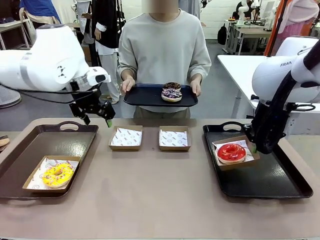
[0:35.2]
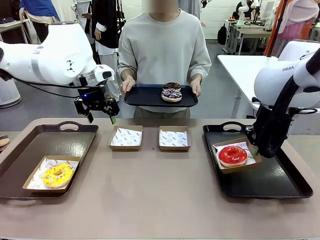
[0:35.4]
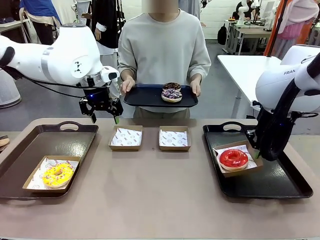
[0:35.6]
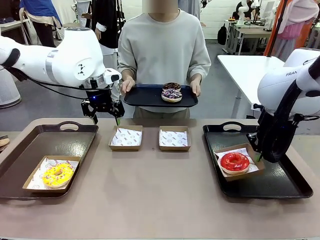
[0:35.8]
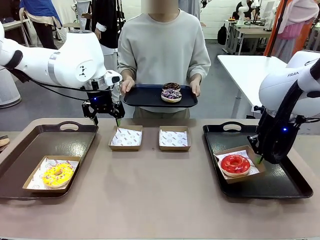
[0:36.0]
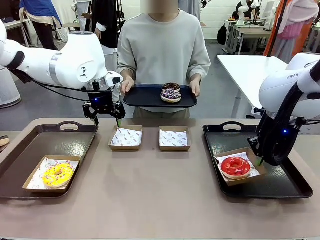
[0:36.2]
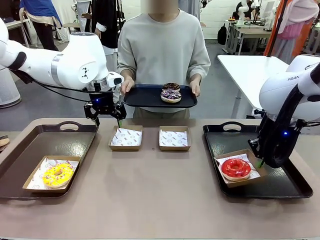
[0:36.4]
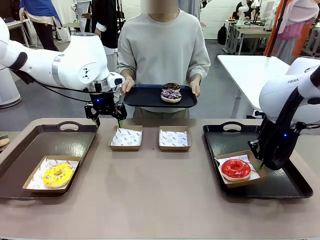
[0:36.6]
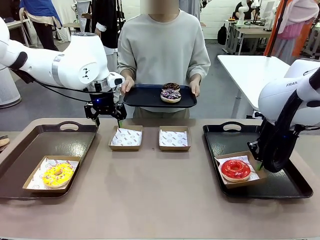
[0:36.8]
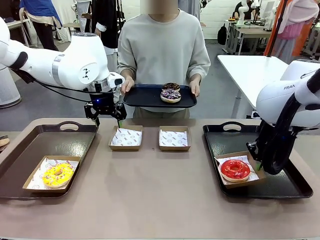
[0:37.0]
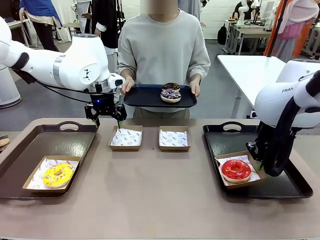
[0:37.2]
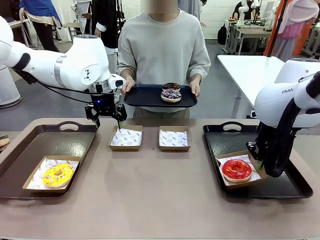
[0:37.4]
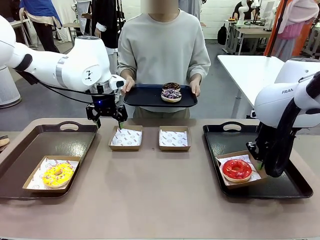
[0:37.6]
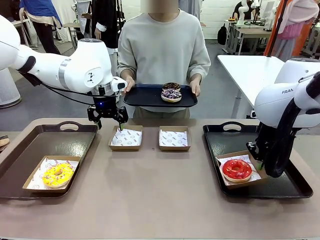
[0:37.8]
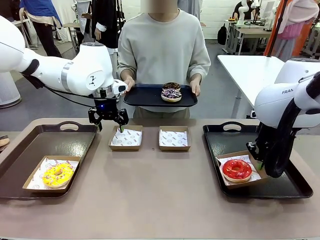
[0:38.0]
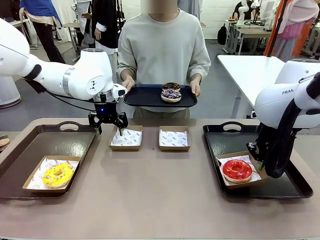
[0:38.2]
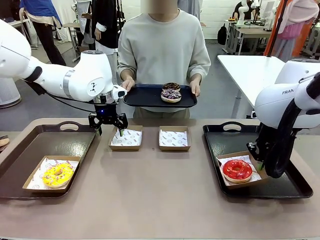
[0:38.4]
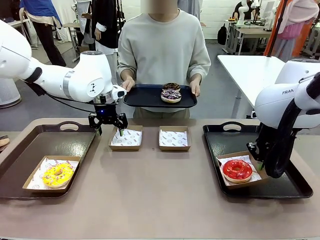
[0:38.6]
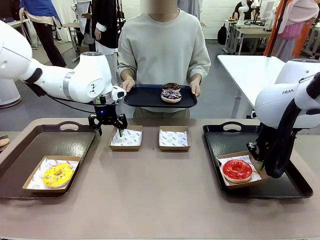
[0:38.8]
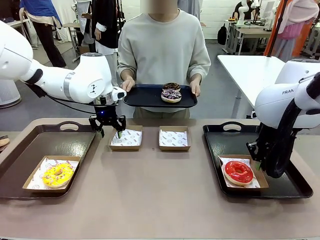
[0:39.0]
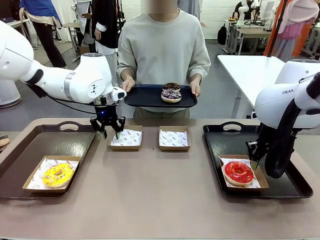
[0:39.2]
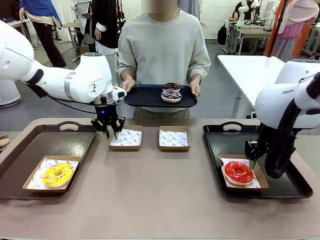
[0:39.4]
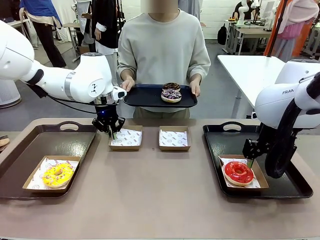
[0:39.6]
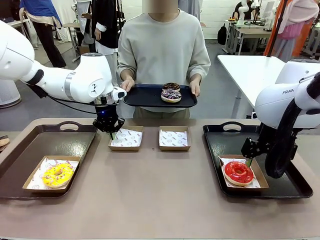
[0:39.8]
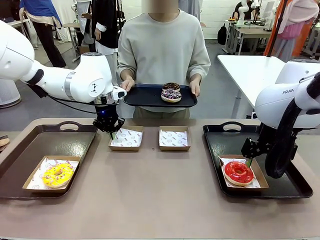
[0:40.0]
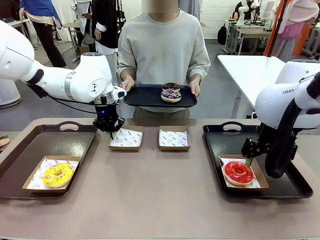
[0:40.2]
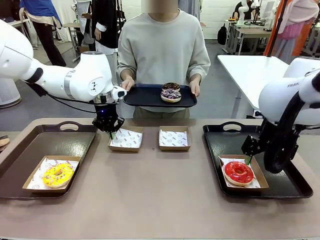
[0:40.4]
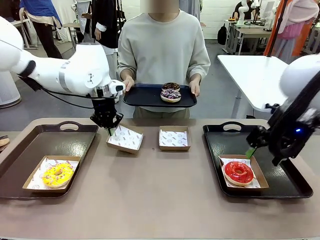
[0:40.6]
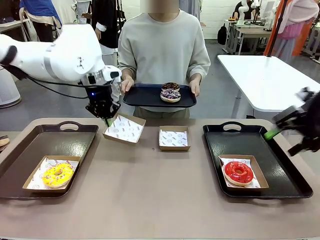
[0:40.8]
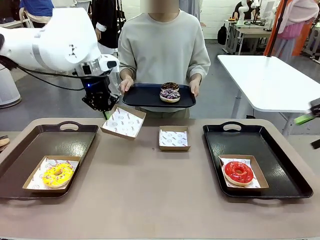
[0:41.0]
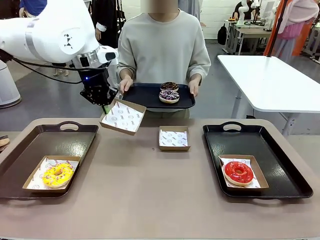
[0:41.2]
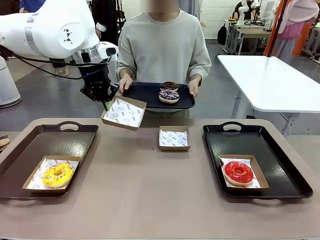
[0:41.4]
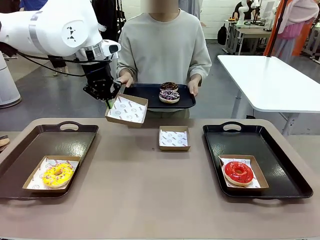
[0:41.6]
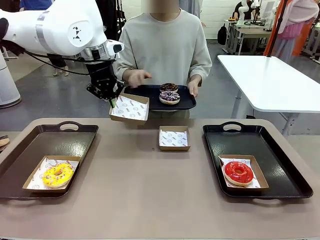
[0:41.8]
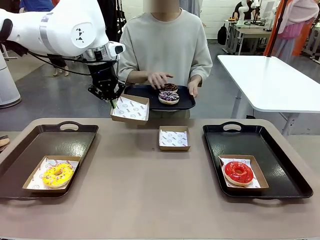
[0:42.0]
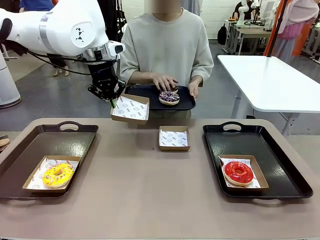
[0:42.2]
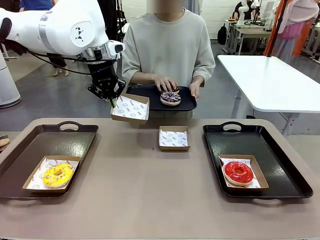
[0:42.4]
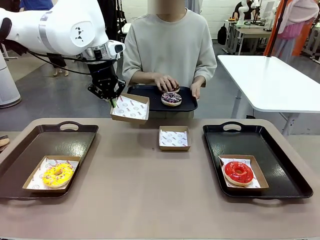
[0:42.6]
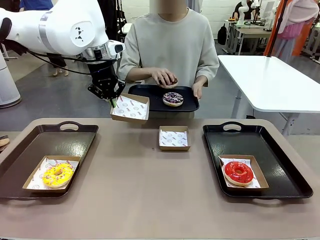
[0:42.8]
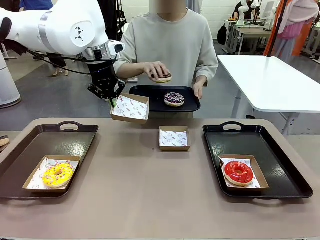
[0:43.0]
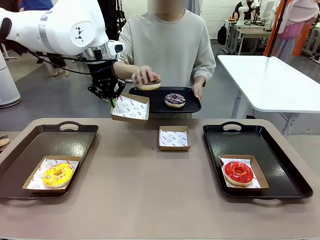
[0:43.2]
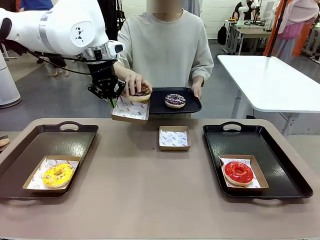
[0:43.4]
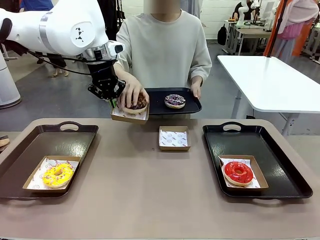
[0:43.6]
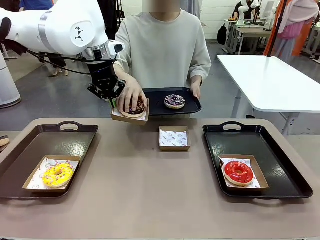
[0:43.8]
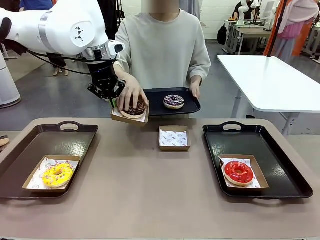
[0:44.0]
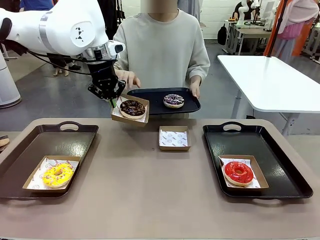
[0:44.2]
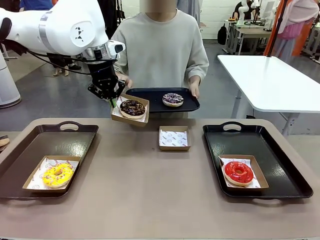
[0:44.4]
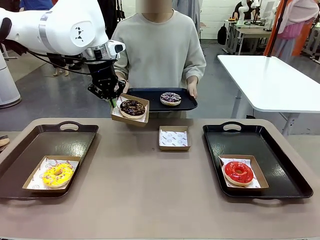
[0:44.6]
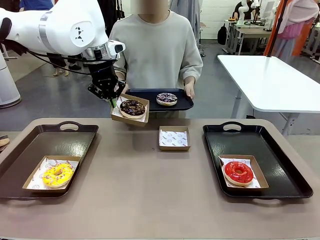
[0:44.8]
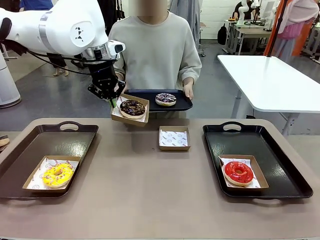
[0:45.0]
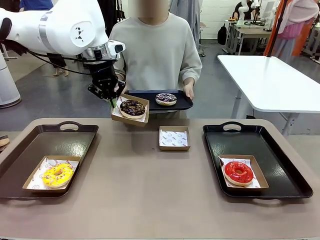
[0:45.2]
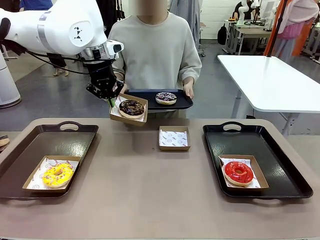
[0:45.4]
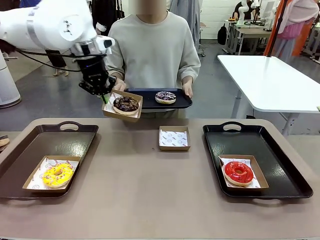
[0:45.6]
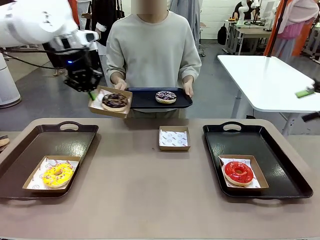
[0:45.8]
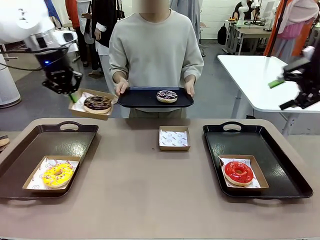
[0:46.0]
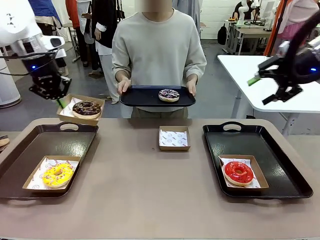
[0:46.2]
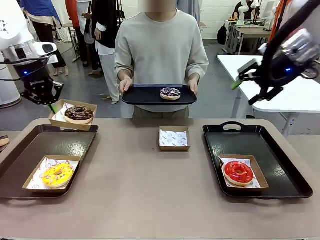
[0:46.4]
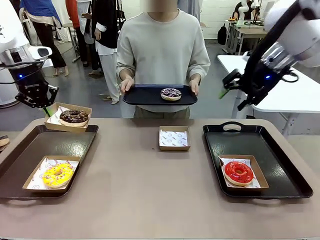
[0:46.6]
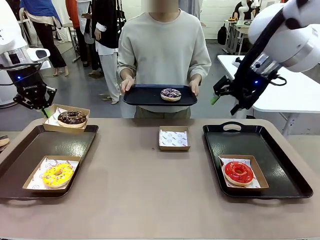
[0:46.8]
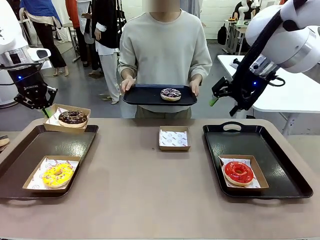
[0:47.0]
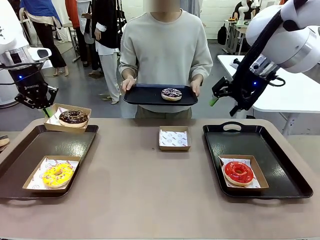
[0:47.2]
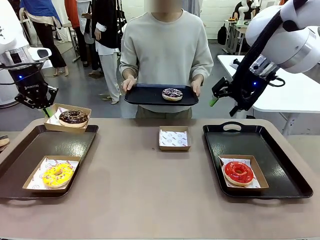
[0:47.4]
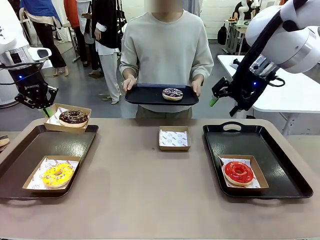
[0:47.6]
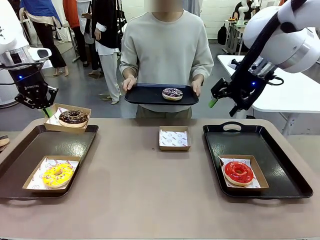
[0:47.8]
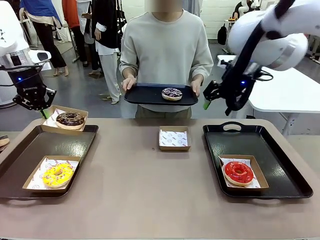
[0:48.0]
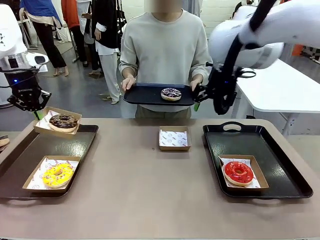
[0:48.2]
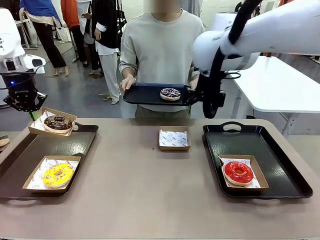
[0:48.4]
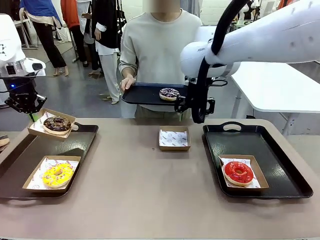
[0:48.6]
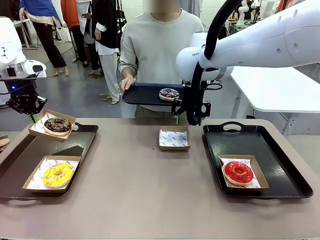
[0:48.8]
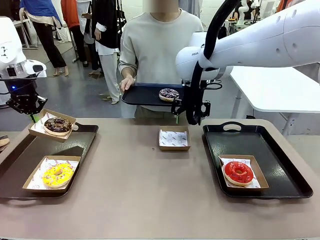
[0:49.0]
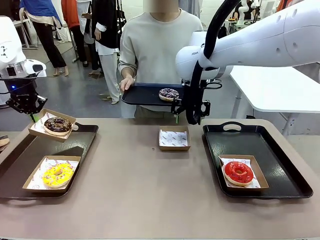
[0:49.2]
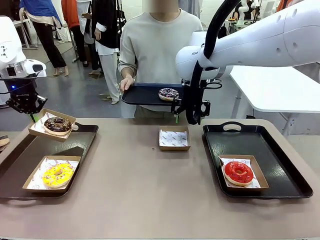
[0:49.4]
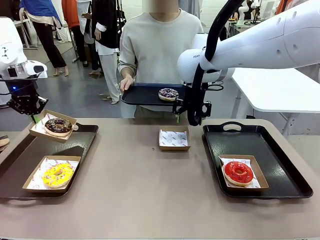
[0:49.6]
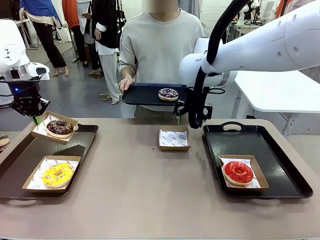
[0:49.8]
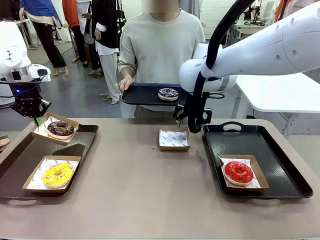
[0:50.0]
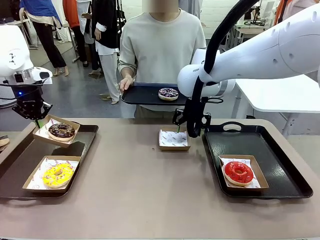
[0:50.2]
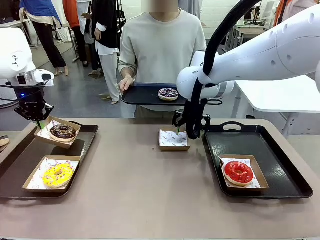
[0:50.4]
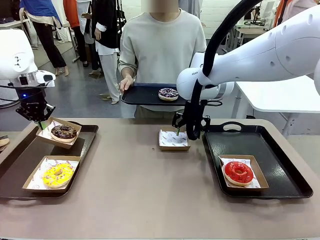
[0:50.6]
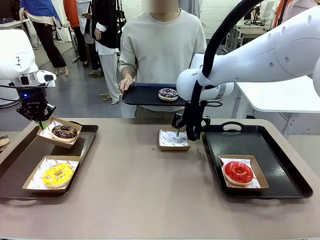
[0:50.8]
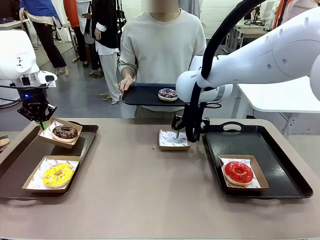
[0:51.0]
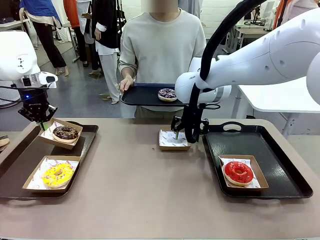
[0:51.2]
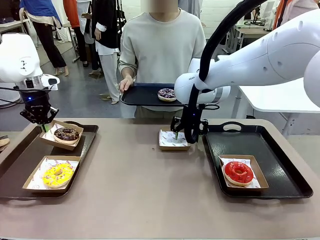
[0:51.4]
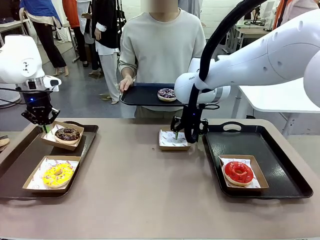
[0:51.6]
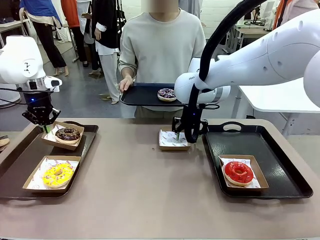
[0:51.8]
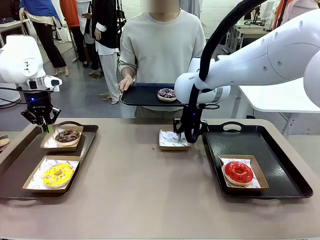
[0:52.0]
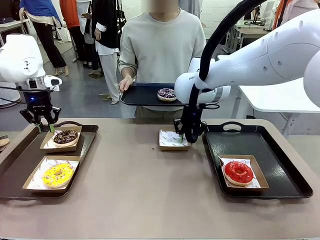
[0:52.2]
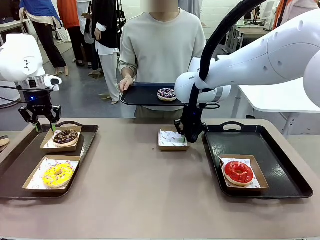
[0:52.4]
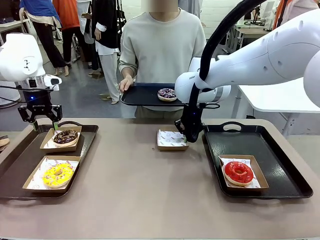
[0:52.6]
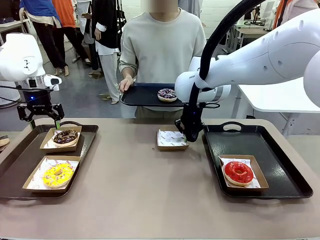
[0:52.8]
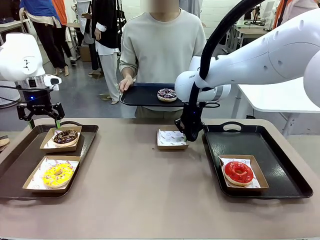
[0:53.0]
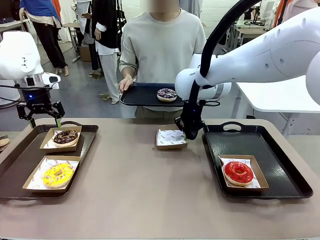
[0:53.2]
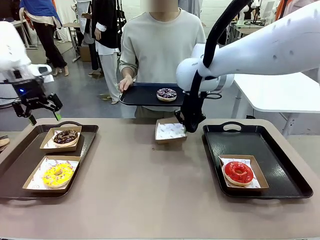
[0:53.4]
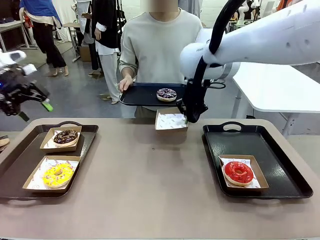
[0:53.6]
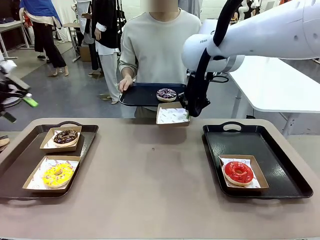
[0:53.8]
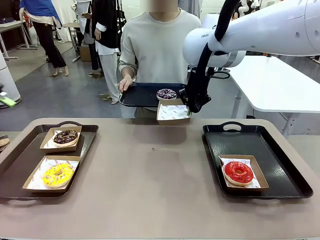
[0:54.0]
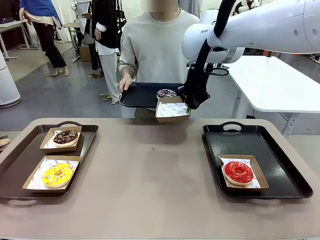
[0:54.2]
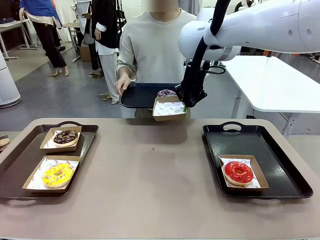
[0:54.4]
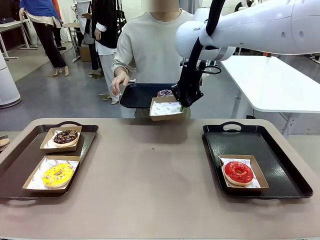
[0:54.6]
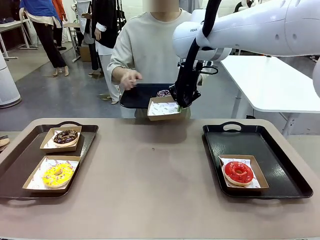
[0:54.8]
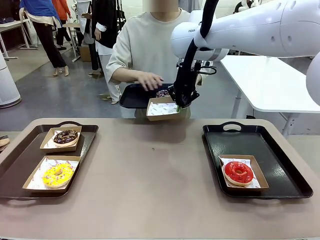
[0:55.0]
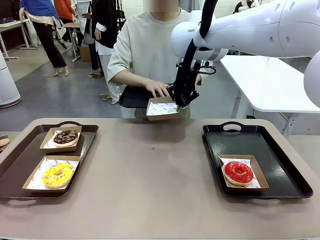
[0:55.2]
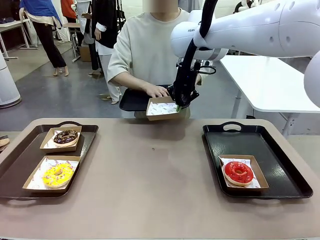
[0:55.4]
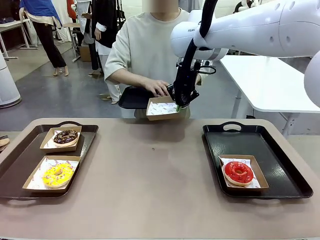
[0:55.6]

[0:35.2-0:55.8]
Task: Individually package the donuts and arrange them on the tray.
Robot: Place the picked Paper togo box on the Handle tray while simultaneously picking up another Paper togo box from the table with the other hand.
